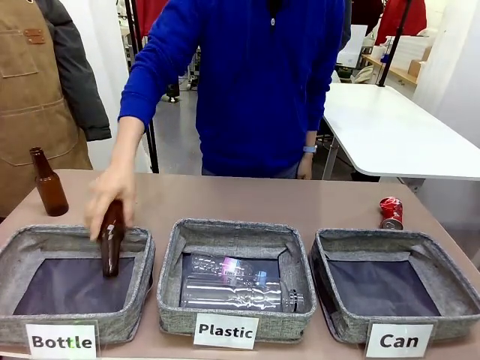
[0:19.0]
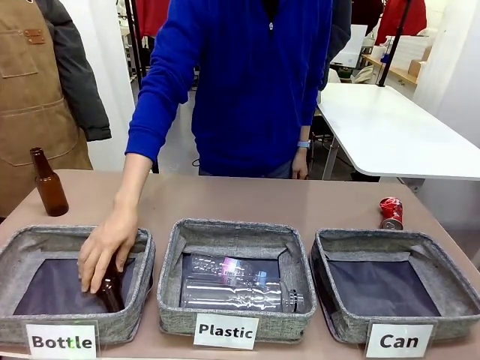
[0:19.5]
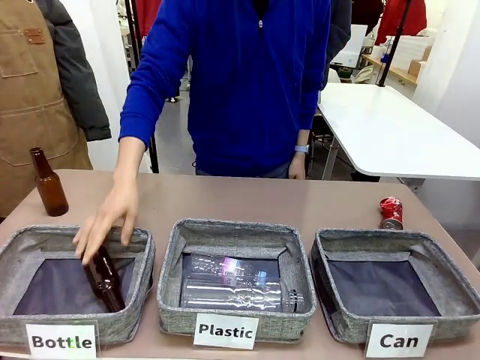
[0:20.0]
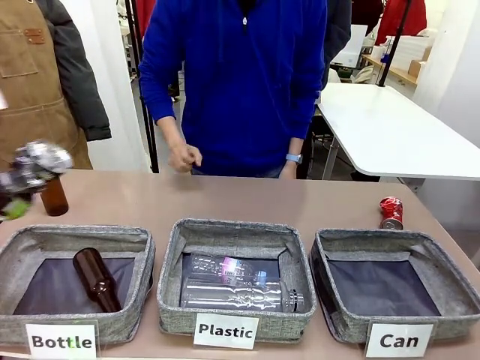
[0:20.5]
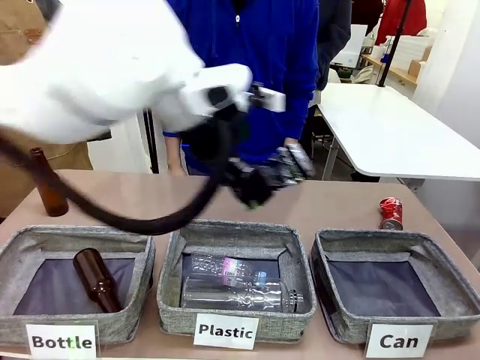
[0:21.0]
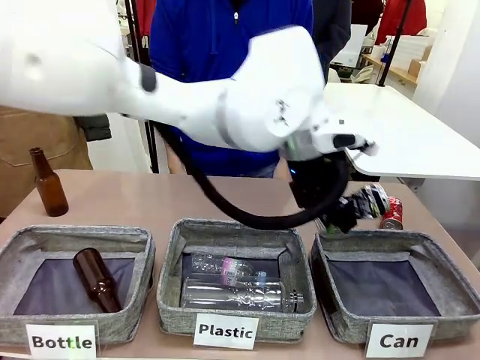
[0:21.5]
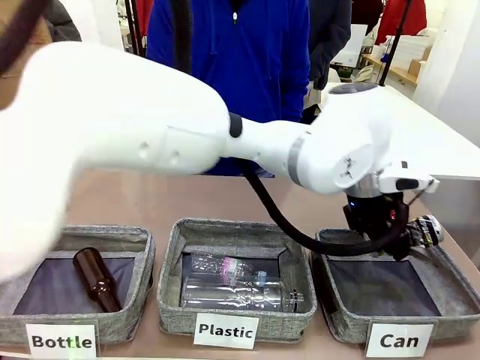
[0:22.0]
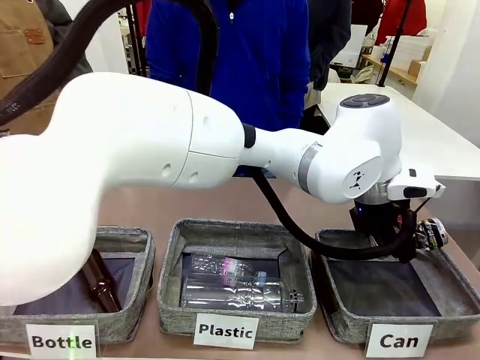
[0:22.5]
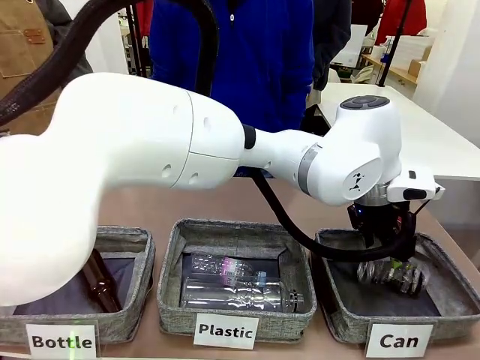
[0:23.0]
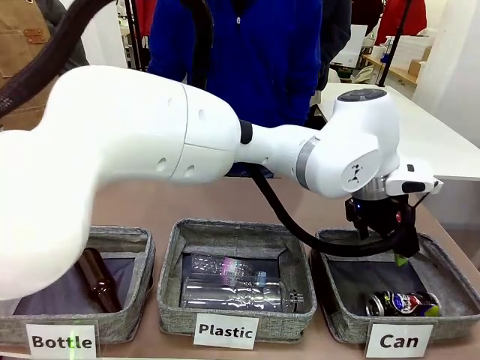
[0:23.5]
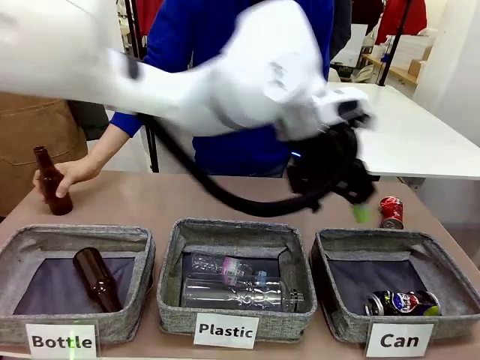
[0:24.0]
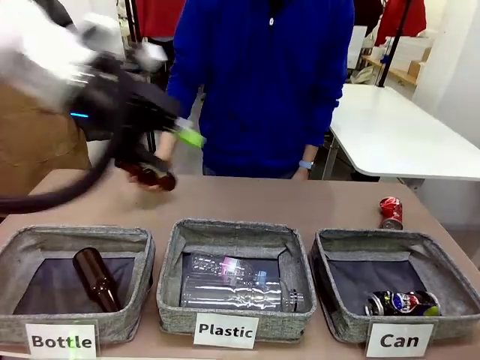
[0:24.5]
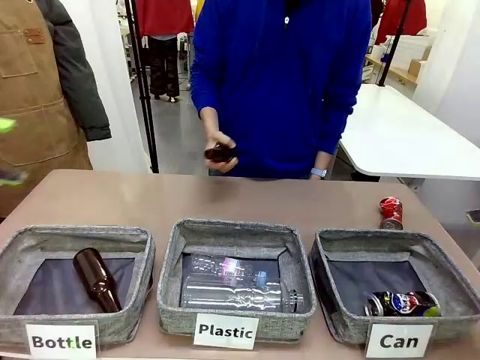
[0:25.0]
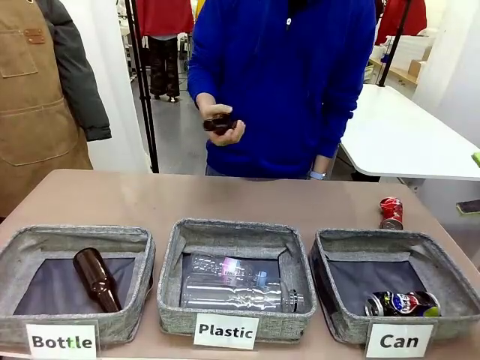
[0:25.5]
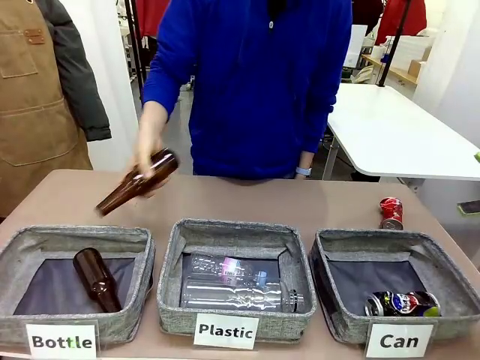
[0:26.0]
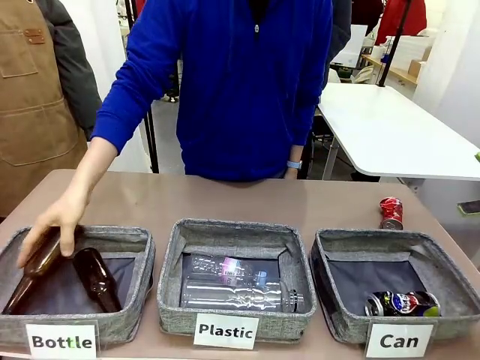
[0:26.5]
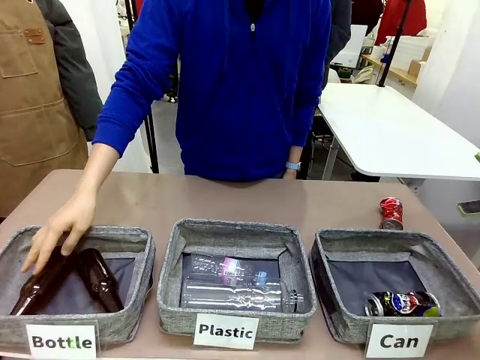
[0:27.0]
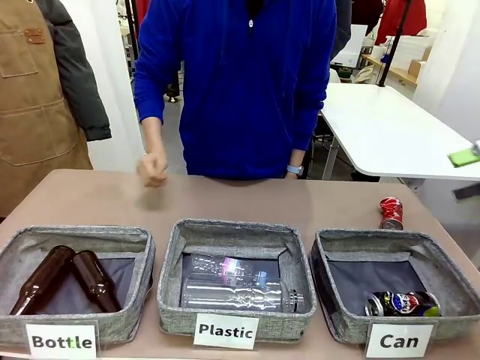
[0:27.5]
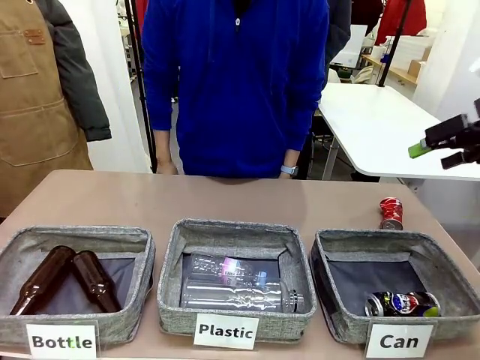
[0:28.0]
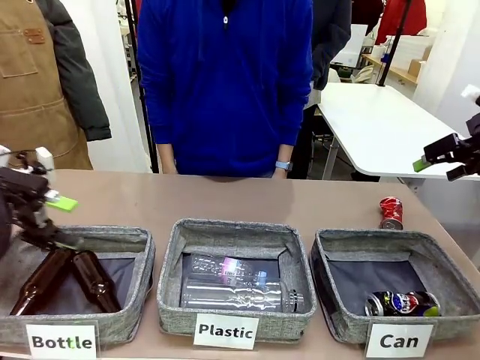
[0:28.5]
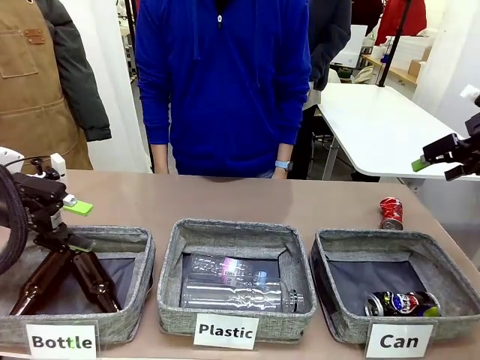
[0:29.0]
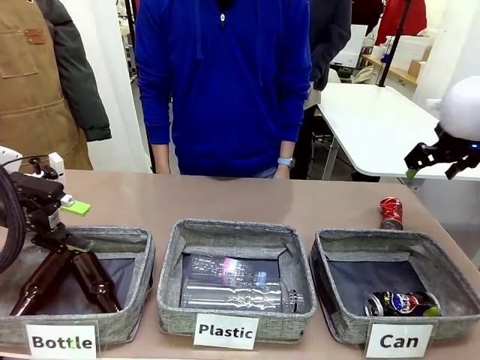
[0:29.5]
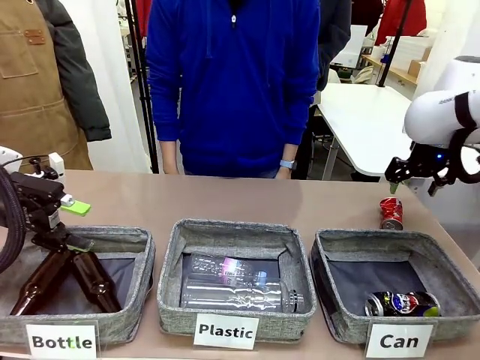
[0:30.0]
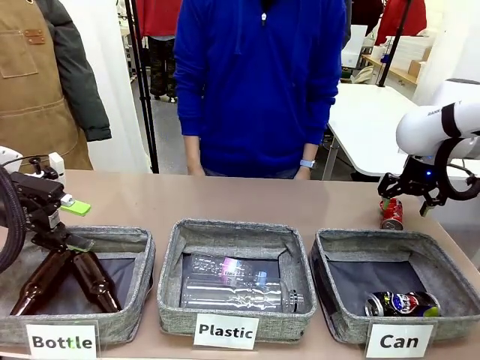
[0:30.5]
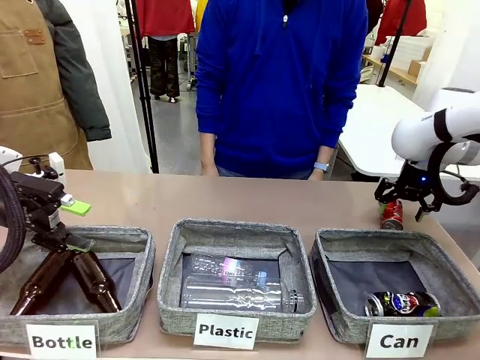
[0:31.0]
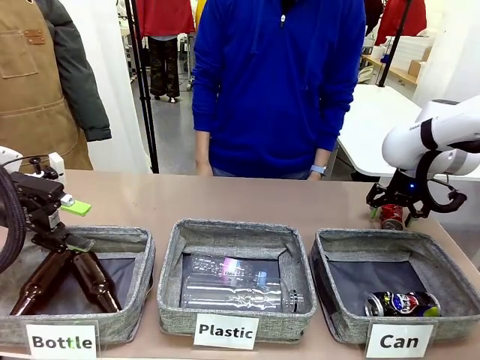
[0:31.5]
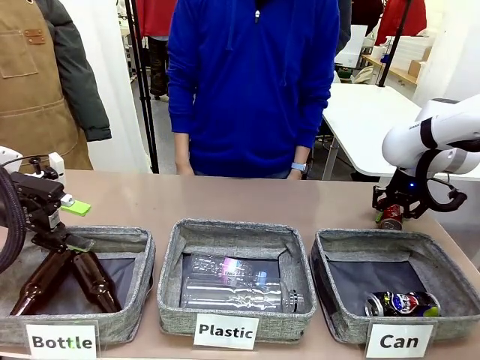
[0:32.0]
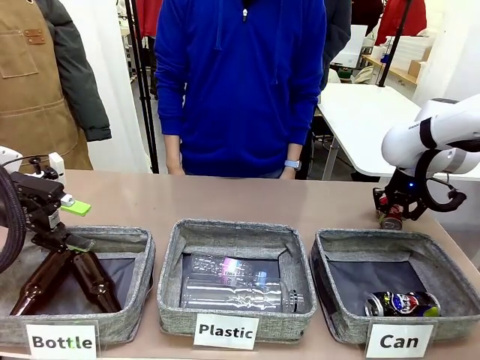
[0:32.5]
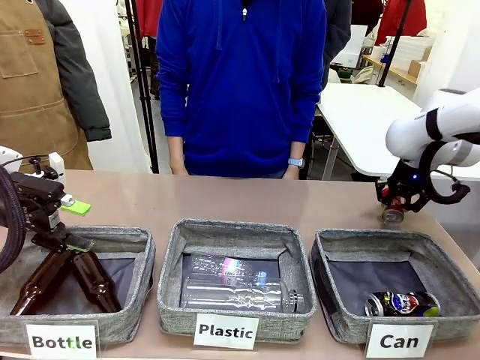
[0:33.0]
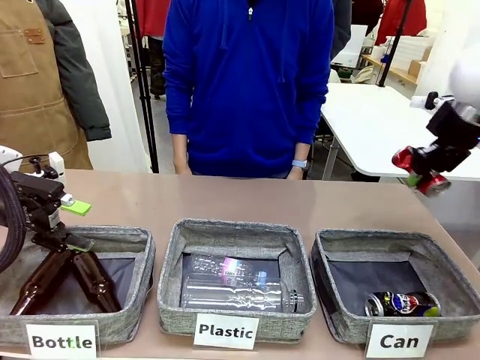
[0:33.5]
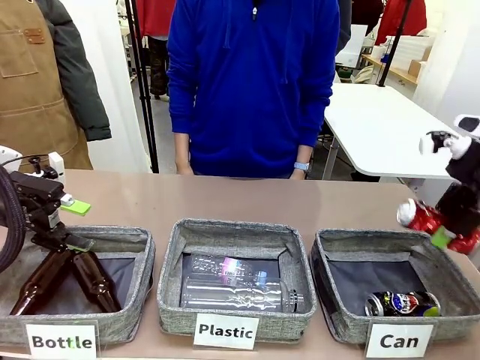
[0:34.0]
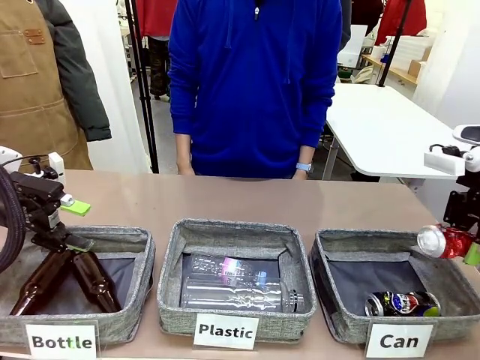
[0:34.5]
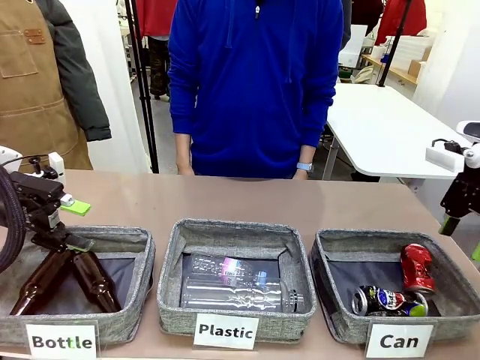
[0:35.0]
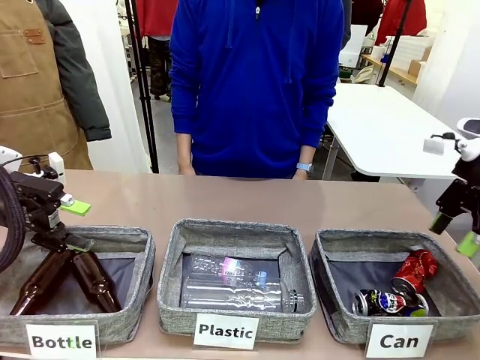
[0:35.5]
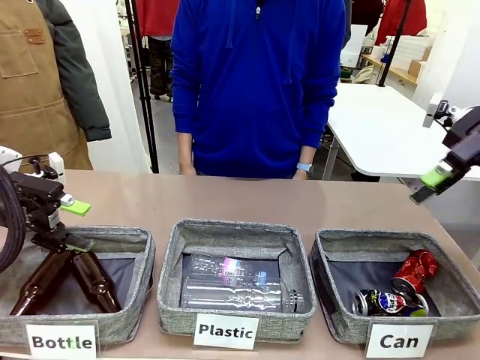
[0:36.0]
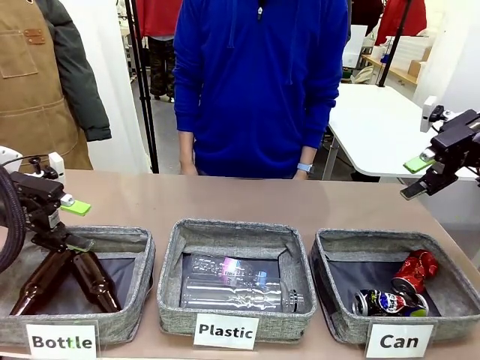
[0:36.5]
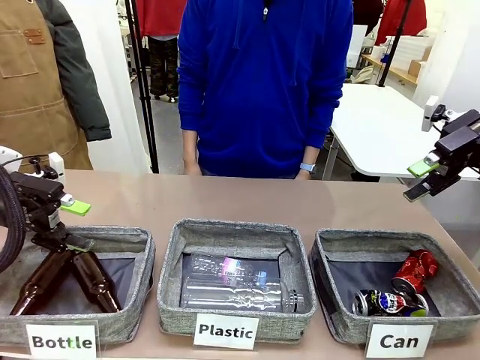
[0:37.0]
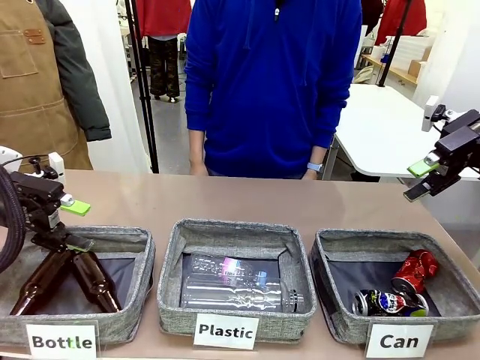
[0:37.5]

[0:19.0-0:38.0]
Task: Sort the can waste into the basket.
Robot: Pick up the can waste from the table and place it in the right Fabric basket.

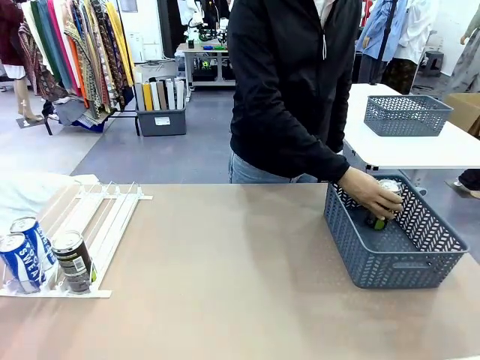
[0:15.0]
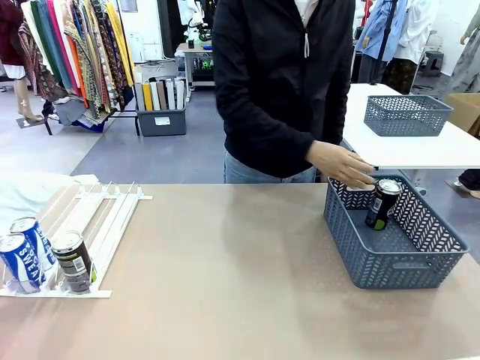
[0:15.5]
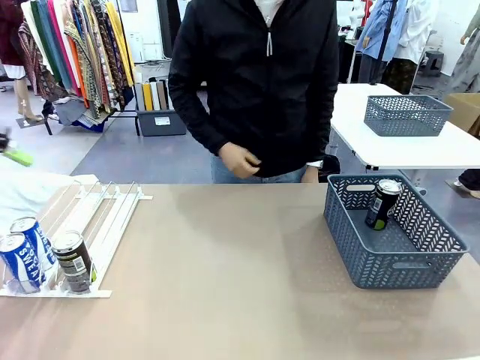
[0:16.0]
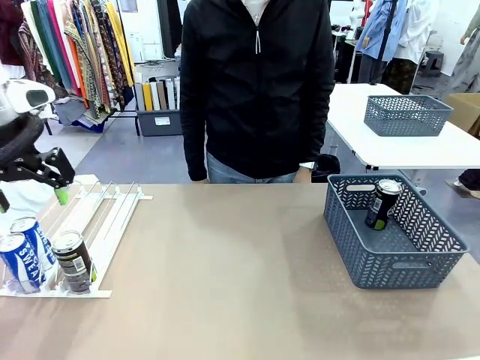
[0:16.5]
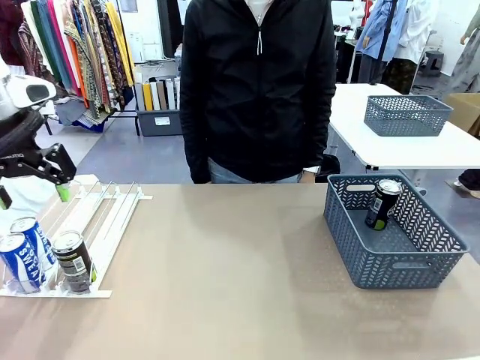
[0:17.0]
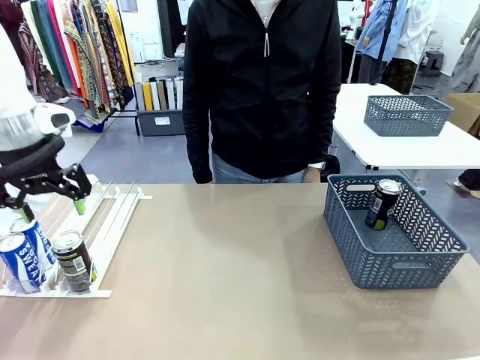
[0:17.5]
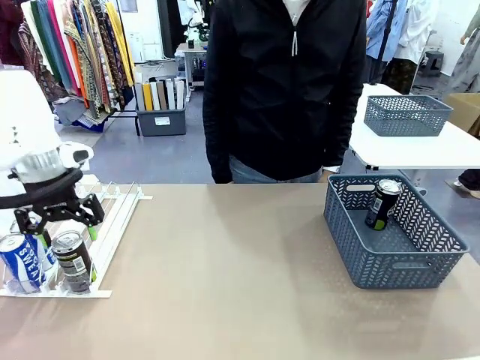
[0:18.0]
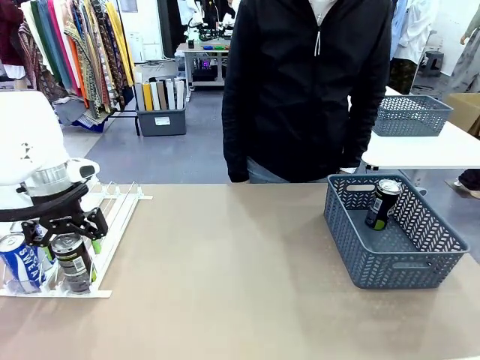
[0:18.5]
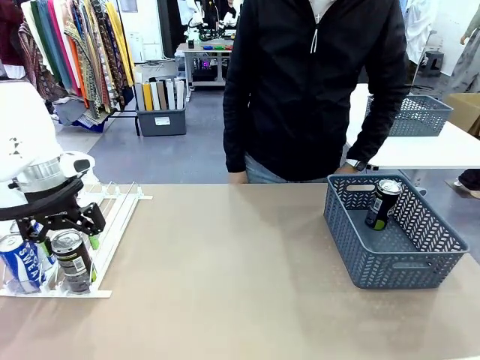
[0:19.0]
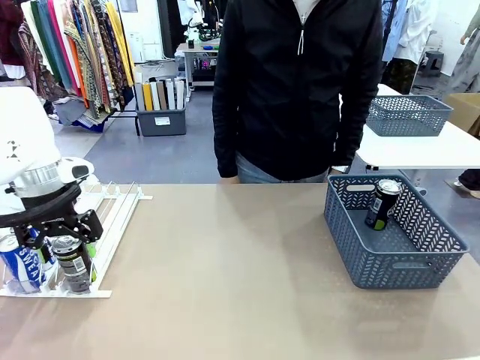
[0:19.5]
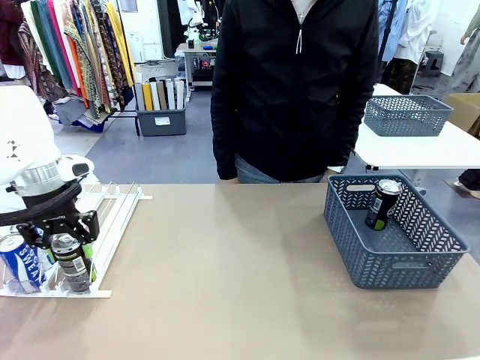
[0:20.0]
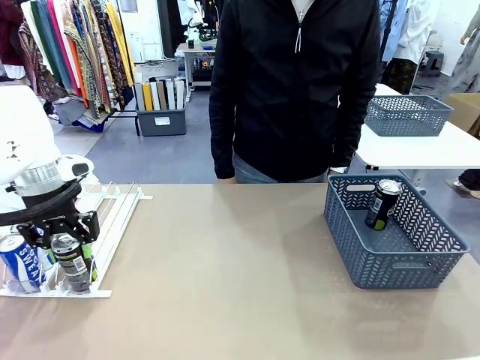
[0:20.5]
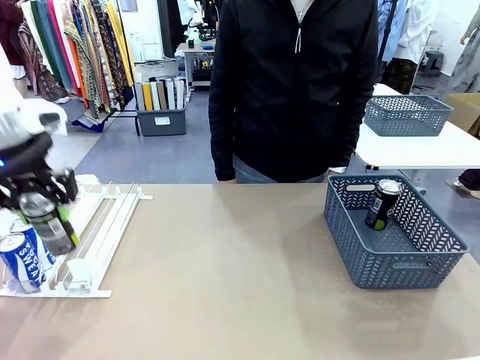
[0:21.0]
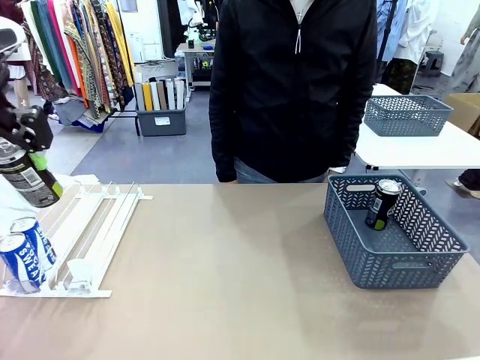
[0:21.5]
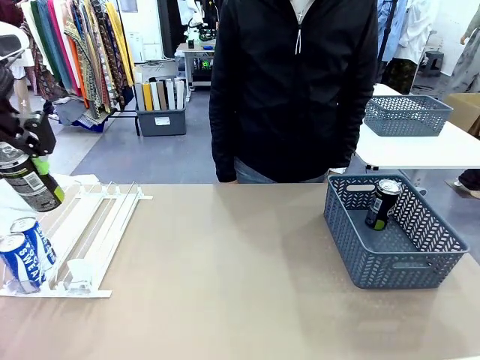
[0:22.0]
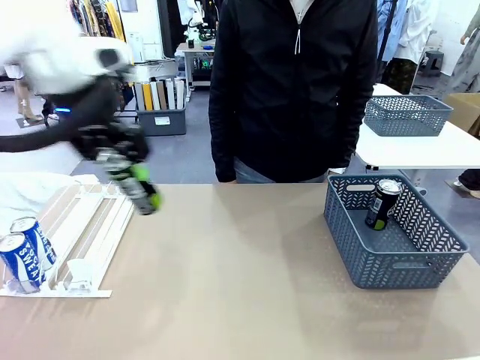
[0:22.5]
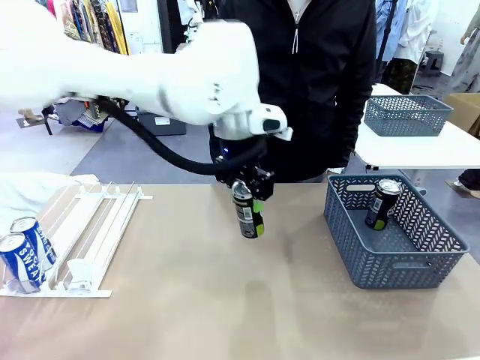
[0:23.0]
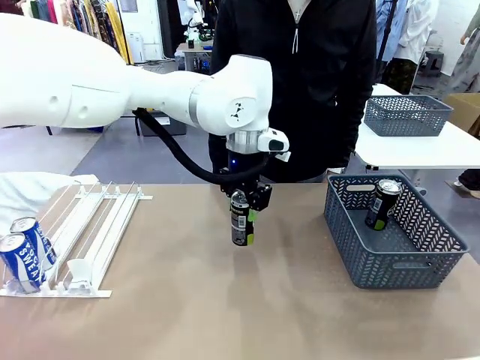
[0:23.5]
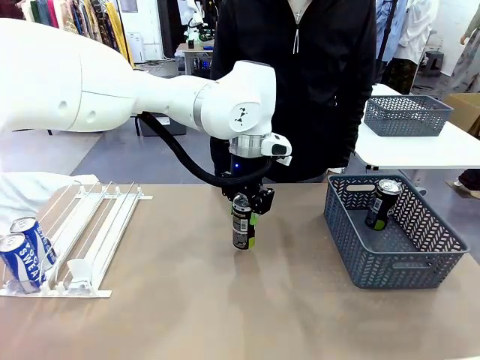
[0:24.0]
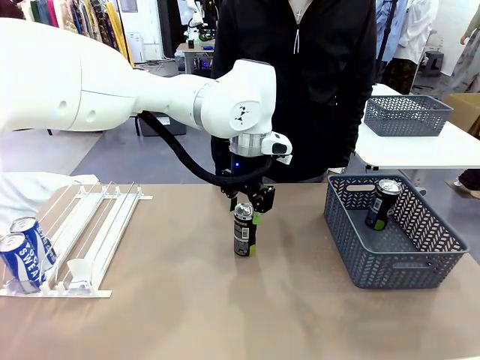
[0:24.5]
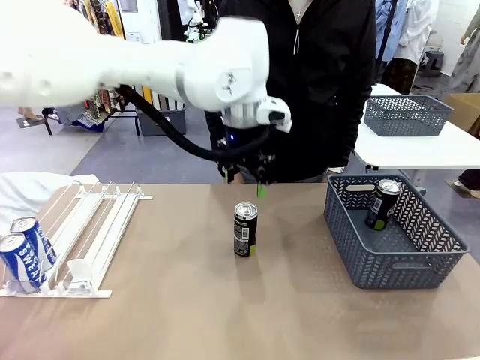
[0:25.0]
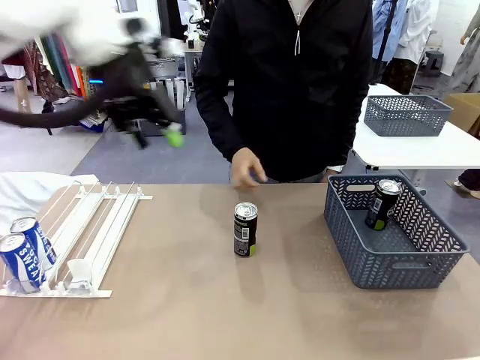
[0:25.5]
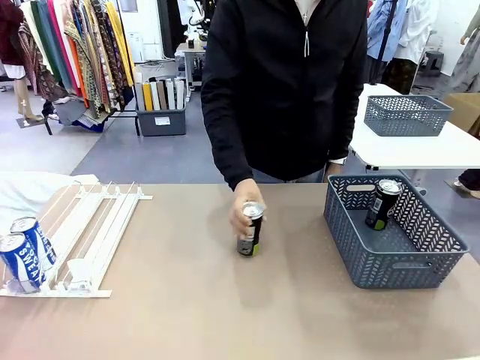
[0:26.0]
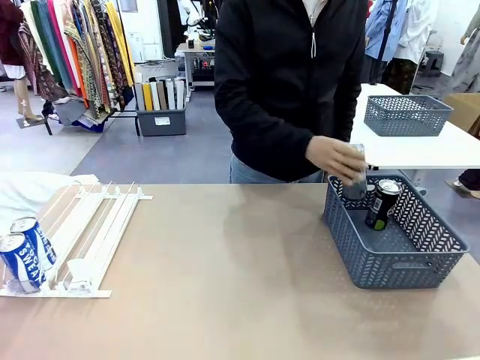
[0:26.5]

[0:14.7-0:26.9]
Task: Retrieve and store the cans from the dispenser.
Robot: Pick up the last remaining can from one row of the Automatic Can Dispenser and place it in the middle of the table.
Person: Pick up one Pepsi can from the middle of the robot table and place it in the basket.
